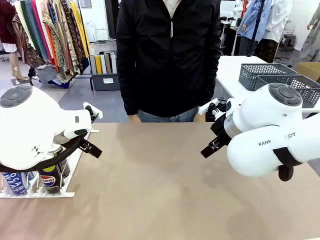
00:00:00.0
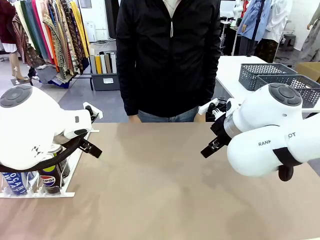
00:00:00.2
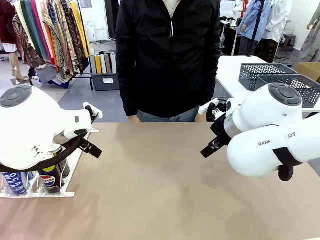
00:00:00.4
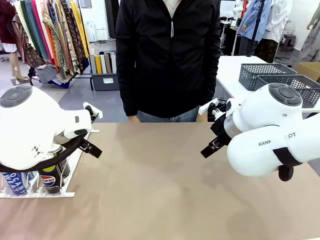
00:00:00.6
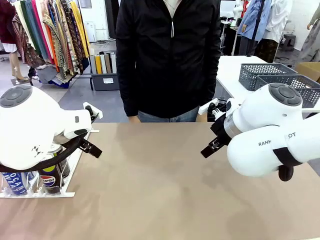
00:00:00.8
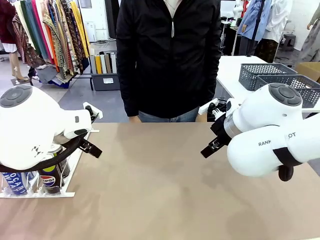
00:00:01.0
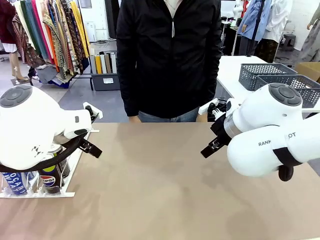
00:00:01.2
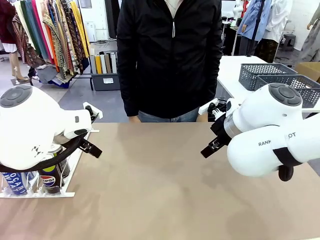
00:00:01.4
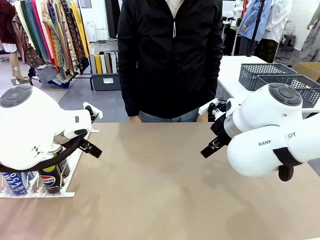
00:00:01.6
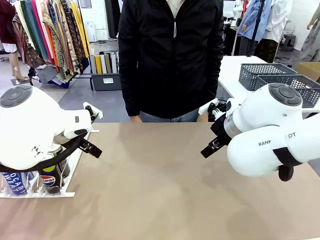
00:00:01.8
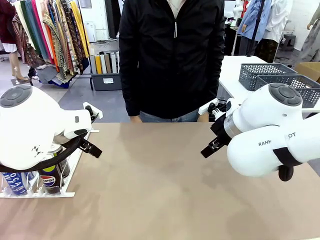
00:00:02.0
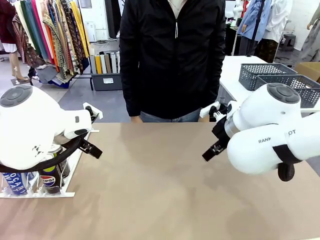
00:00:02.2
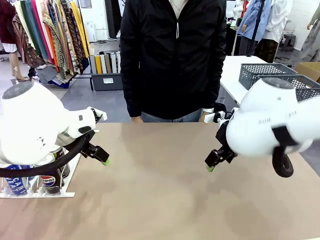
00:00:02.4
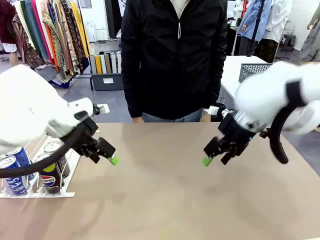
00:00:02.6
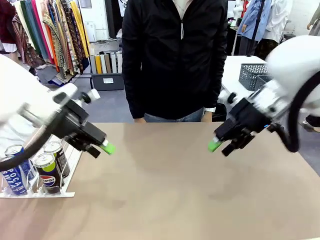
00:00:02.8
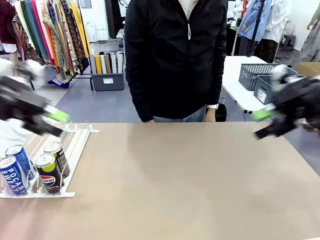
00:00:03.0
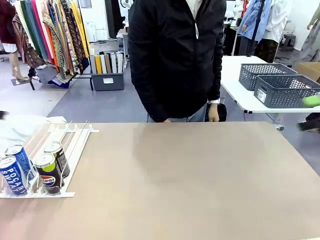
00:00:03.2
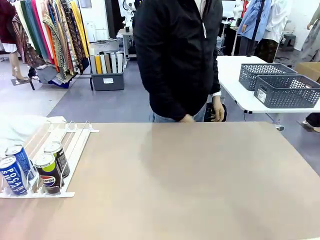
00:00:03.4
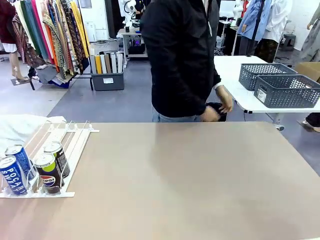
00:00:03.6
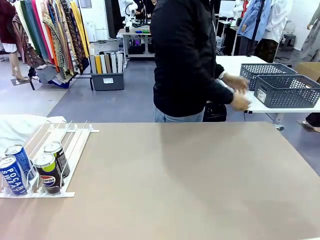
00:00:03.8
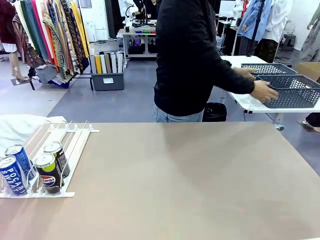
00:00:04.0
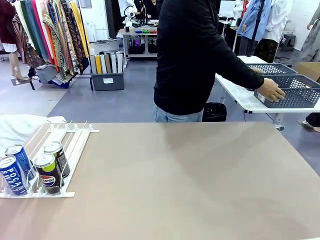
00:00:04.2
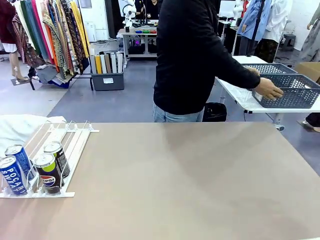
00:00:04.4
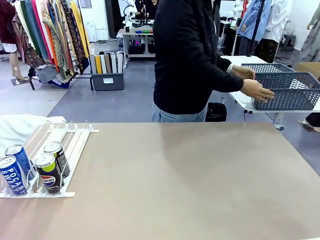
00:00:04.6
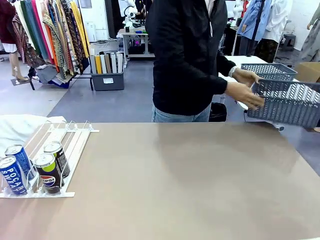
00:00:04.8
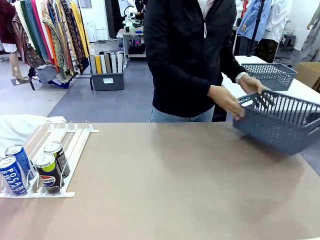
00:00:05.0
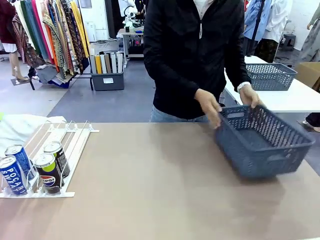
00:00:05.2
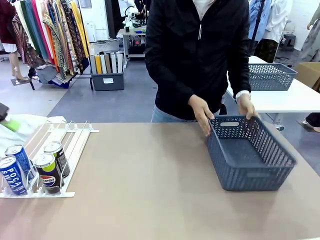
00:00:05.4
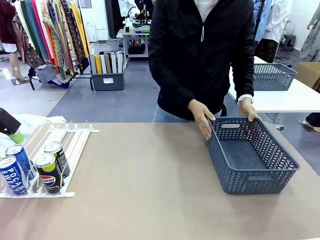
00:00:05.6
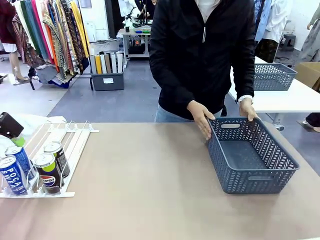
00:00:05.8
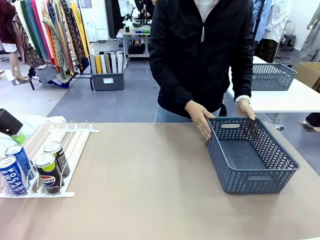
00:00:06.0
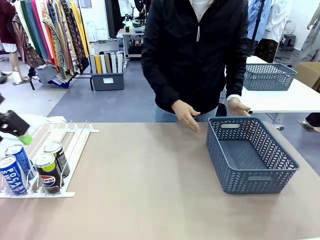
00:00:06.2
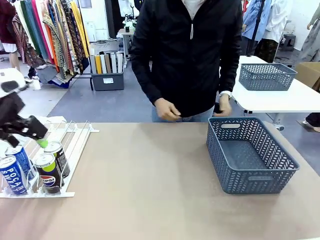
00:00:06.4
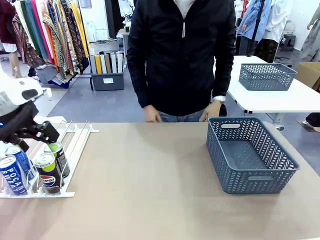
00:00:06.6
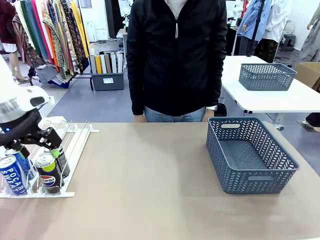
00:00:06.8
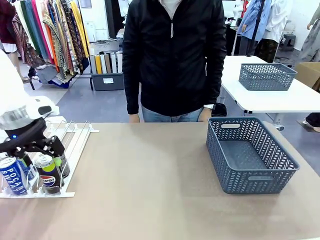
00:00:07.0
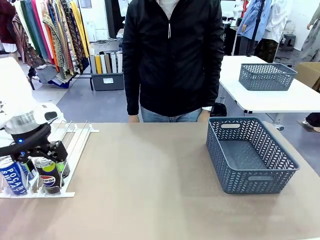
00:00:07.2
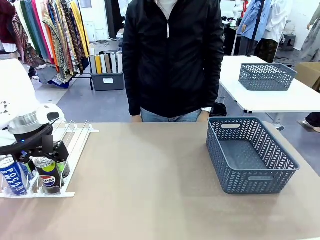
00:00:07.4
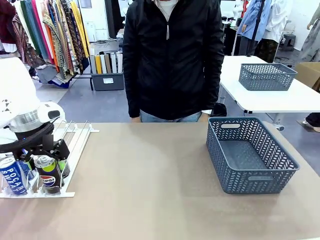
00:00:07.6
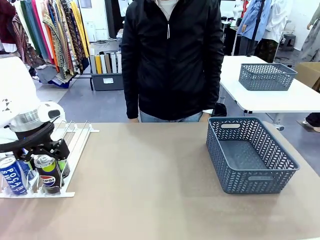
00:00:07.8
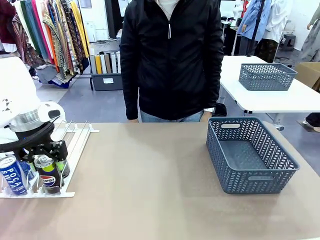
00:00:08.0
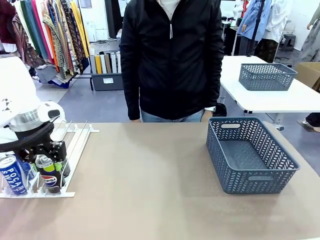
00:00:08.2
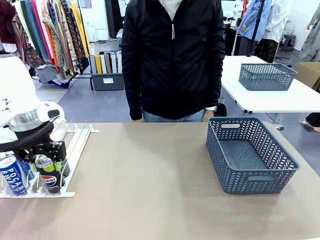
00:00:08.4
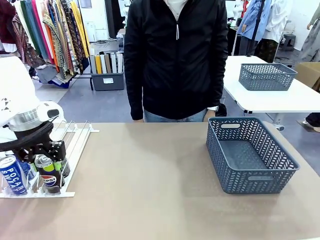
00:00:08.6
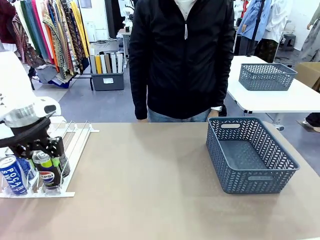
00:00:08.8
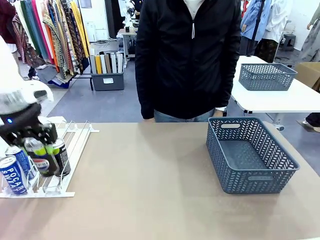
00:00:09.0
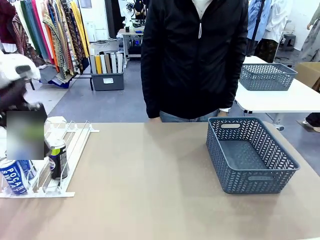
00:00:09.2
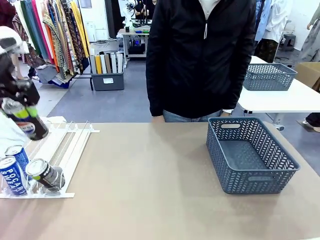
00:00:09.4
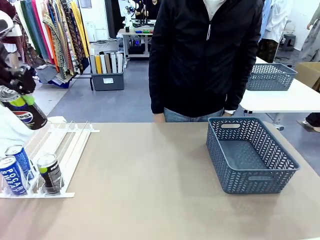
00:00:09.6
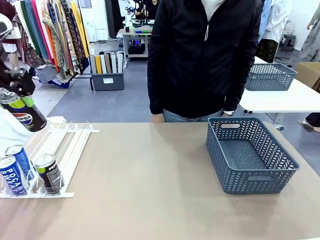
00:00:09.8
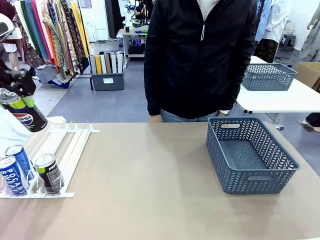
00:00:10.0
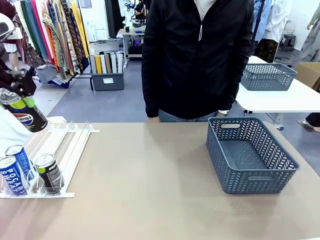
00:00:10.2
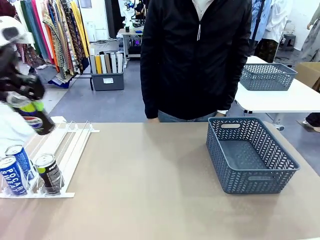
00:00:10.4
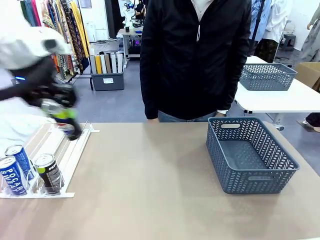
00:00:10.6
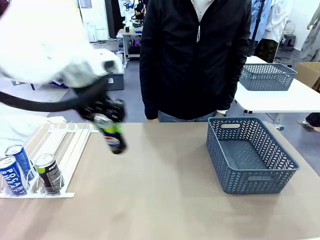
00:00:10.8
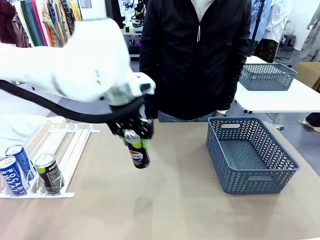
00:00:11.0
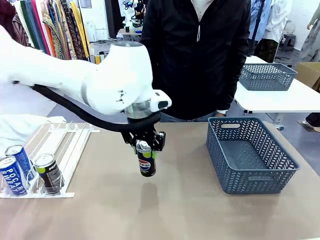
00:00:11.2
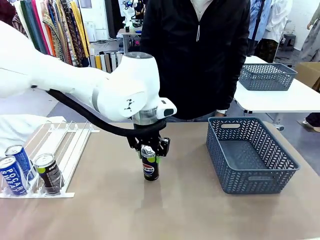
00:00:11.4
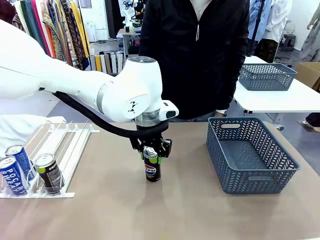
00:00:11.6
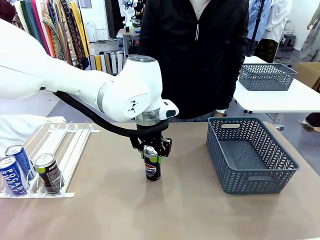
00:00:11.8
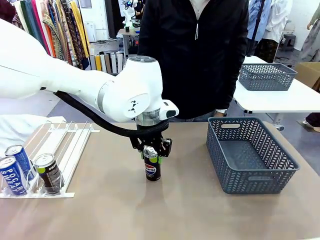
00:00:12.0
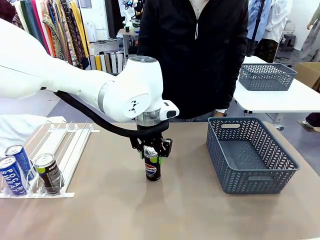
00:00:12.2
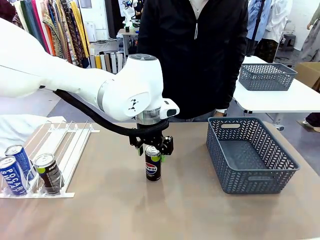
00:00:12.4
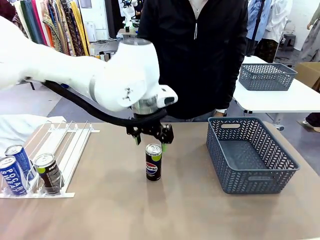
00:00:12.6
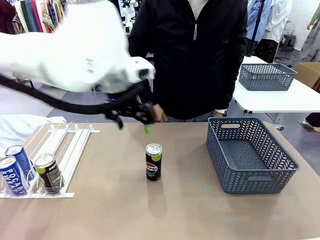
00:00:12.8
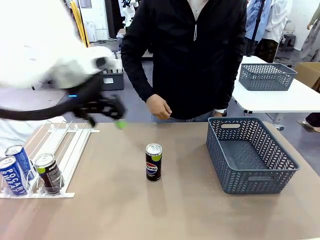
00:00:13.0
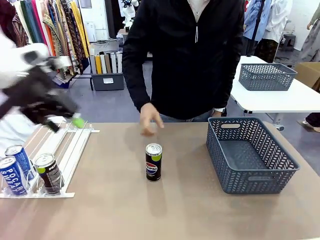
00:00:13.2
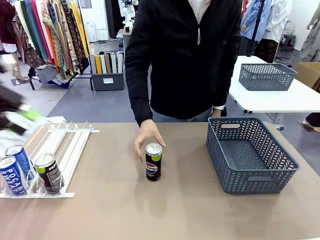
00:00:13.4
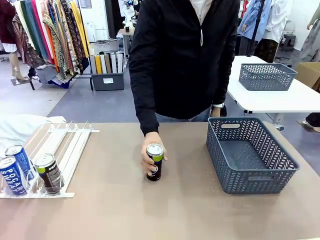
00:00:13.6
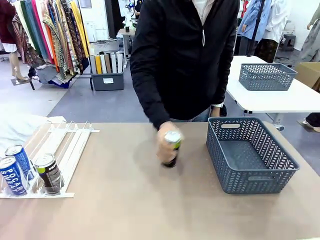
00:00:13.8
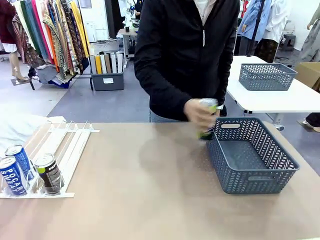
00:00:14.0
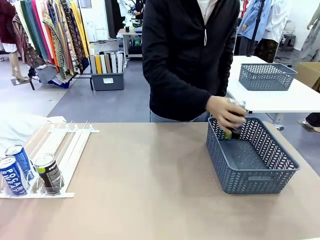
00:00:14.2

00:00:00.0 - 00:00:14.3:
Task: Retrieve and store the cans from the dispenser.
Robot: Pick up one can from the Automatic Can Dispenser and place it in the middle of the table.
Person: Pick up the basket and place it on the left side of the robot table.

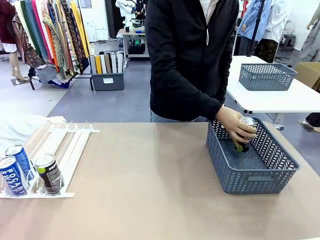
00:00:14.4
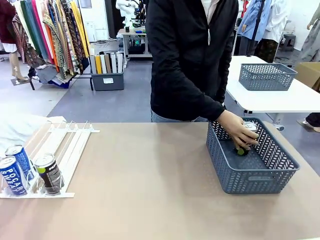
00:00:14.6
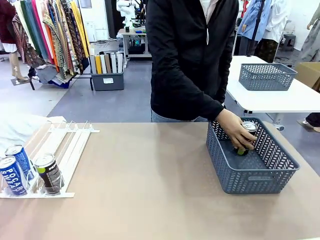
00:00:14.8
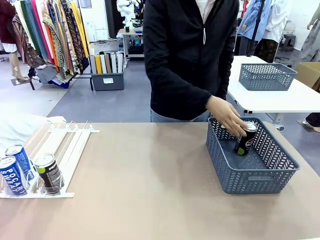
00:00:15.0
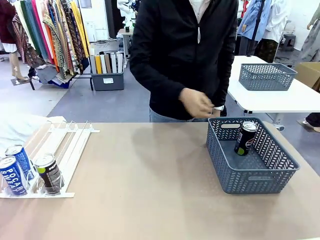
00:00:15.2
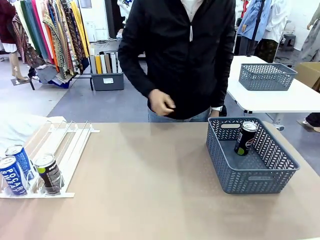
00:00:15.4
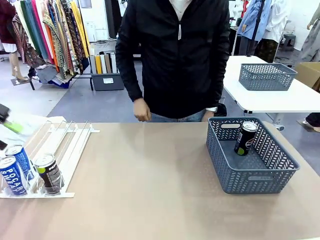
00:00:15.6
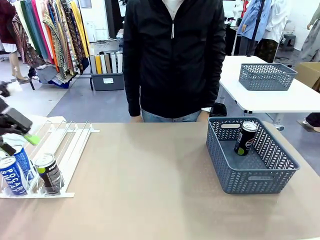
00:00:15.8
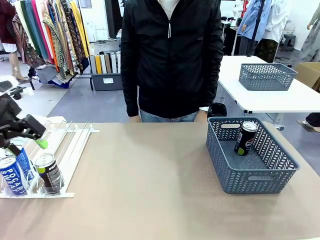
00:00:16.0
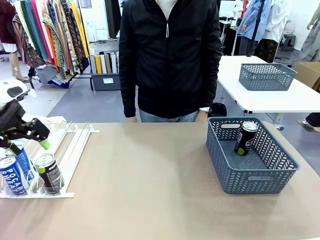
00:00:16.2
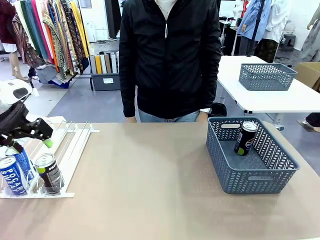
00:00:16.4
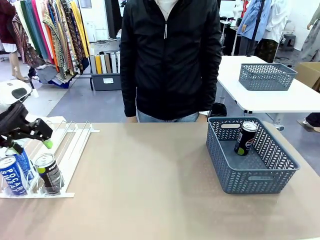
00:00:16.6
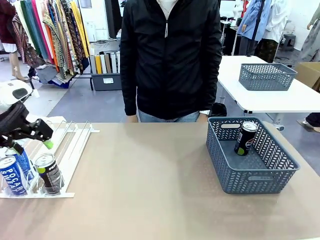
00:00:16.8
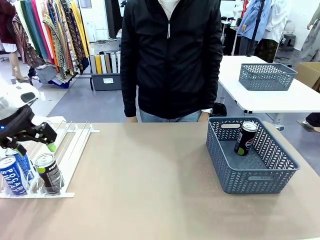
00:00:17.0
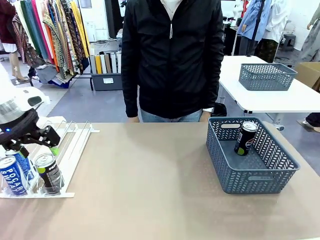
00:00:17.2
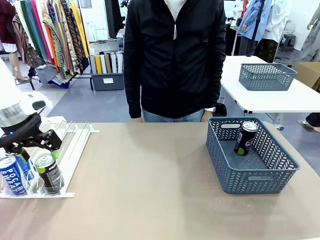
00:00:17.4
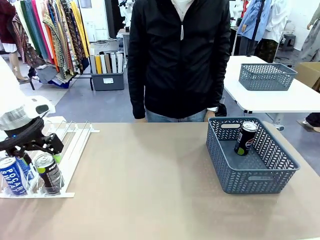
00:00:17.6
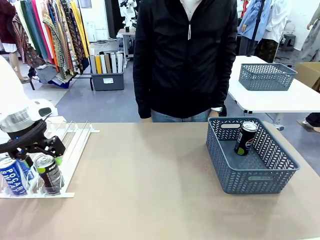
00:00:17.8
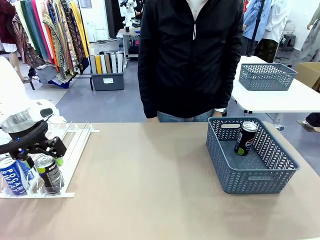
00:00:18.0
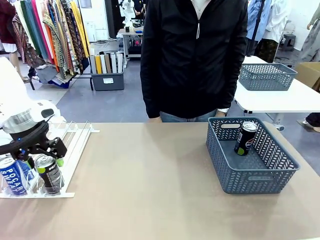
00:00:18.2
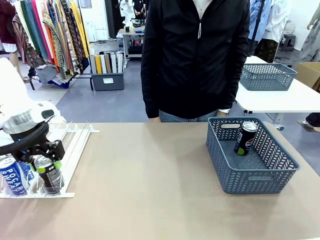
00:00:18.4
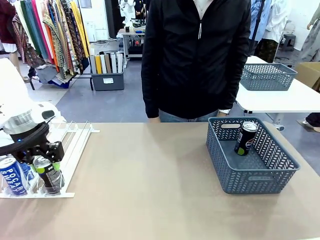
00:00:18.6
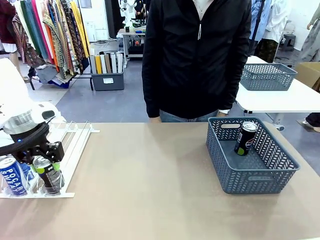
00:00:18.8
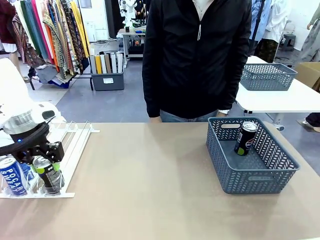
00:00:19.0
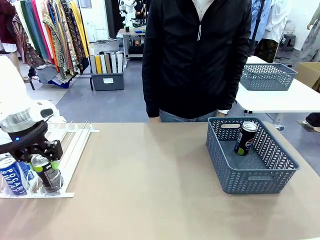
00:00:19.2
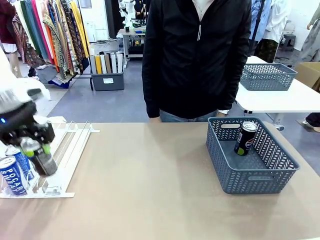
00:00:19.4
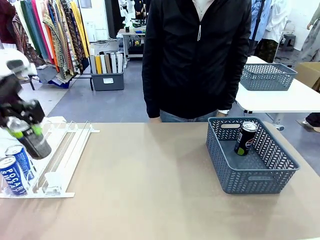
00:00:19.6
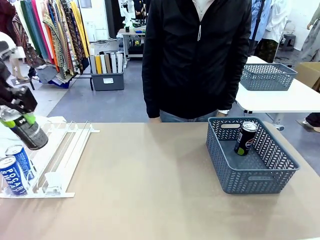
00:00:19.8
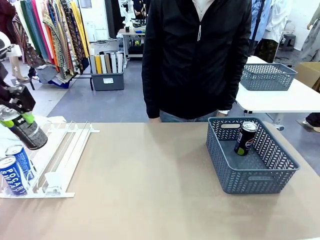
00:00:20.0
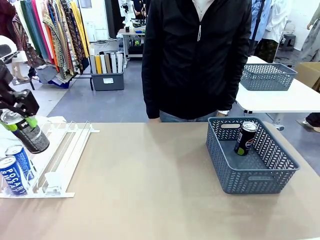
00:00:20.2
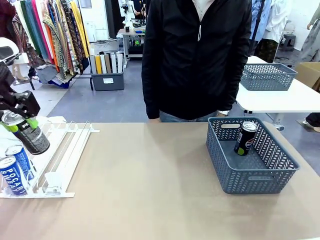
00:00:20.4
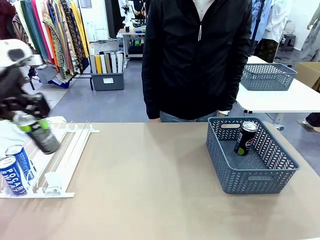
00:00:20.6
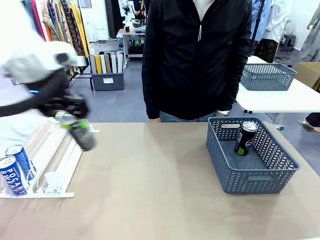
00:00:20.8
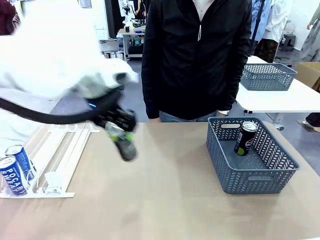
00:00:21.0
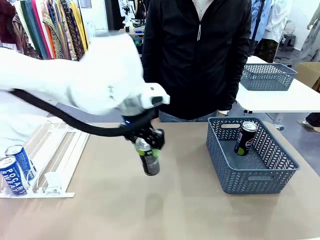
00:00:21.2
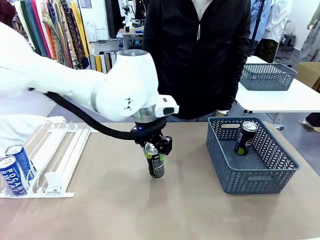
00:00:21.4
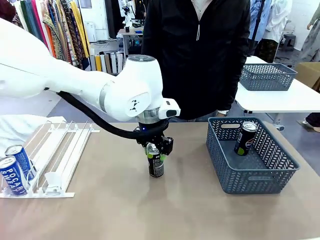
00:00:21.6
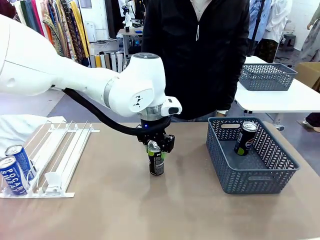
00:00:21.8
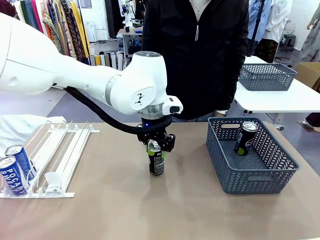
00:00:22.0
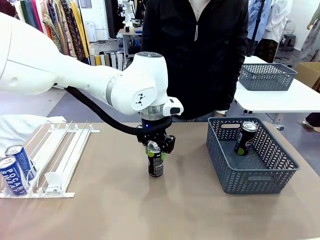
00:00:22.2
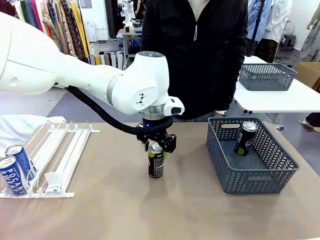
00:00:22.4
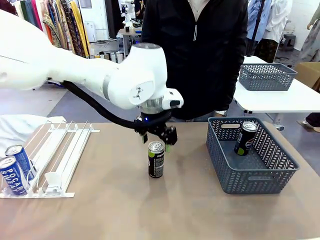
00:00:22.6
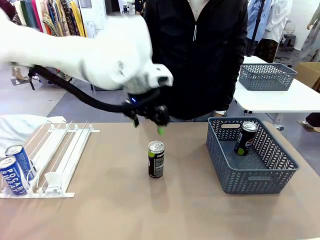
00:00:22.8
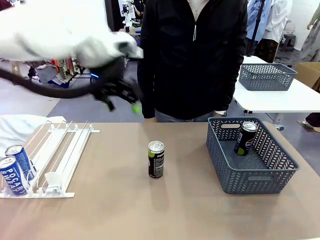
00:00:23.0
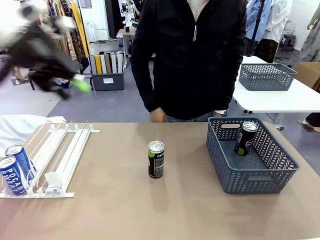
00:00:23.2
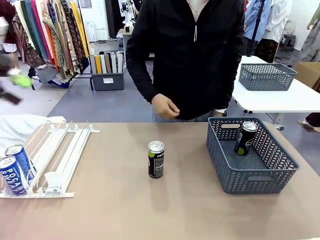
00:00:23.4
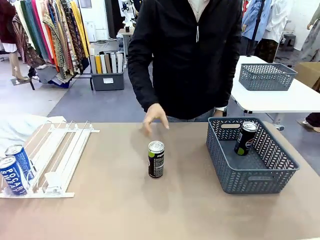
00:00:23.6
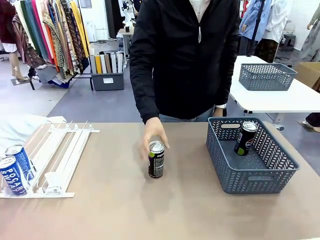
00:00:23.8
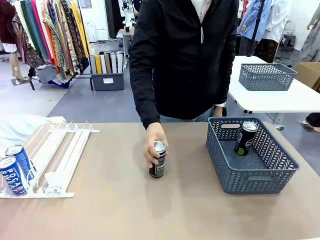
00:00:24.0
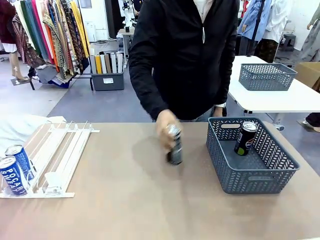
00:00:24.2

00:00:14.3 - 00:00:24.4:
Robot: Pick up the last remaining can from one row of the Automatic Can Dispenser and place it in the middle of the table.
Person: Pick up one Pepsi can from the middle of the robot table and place it in the basket.
